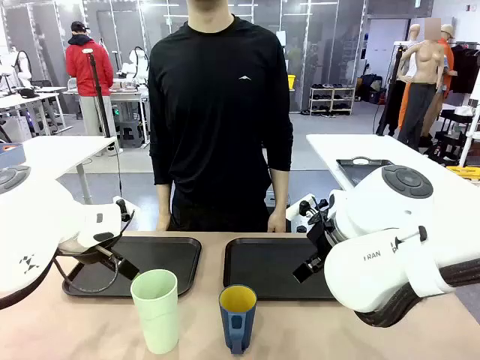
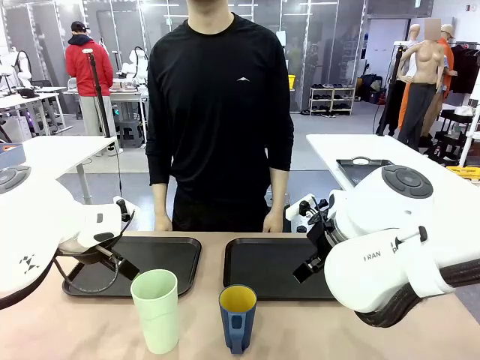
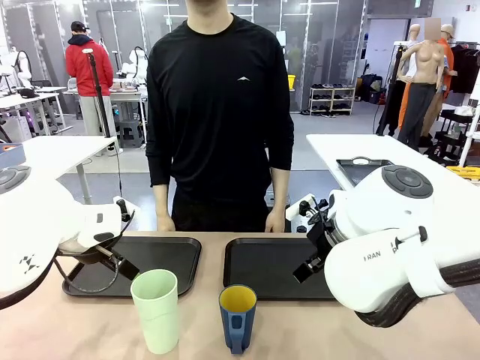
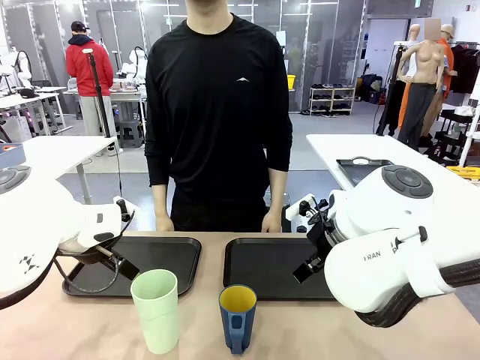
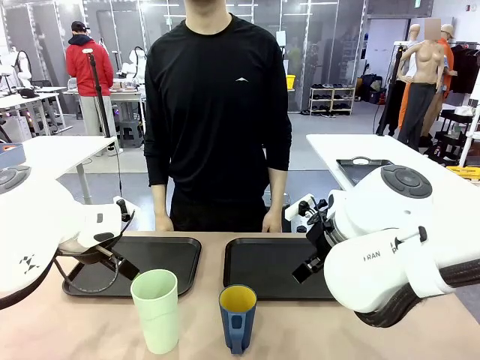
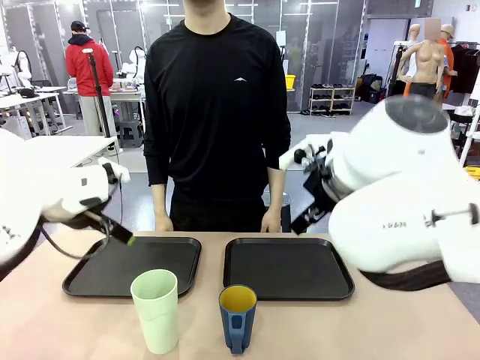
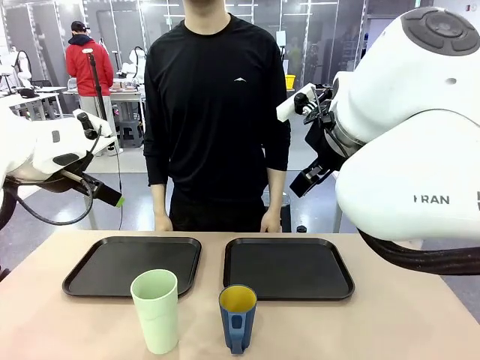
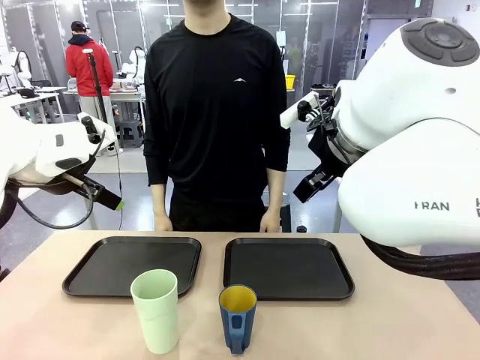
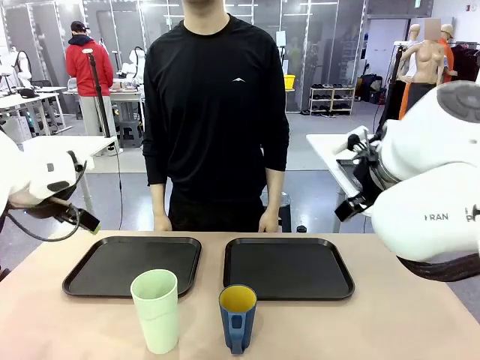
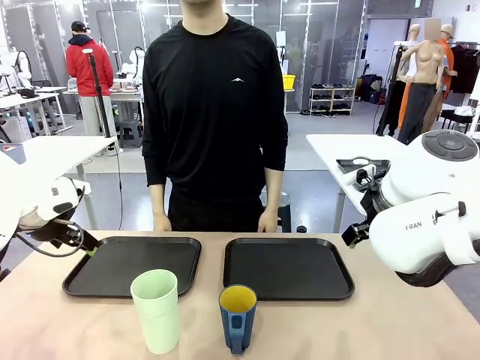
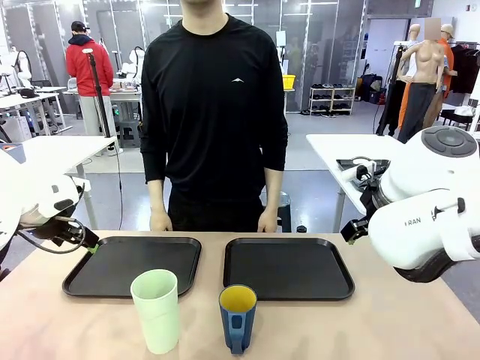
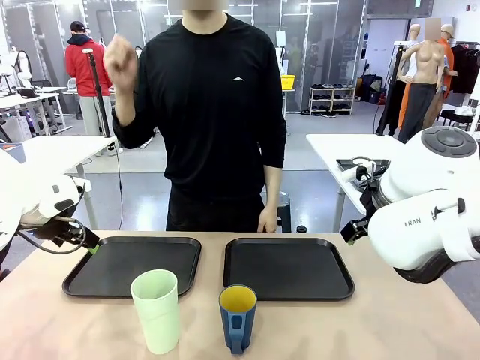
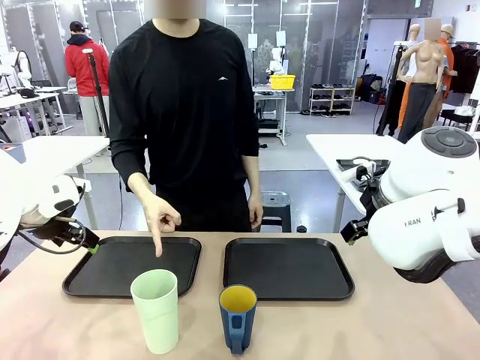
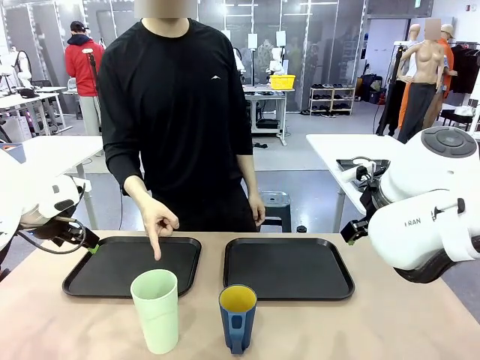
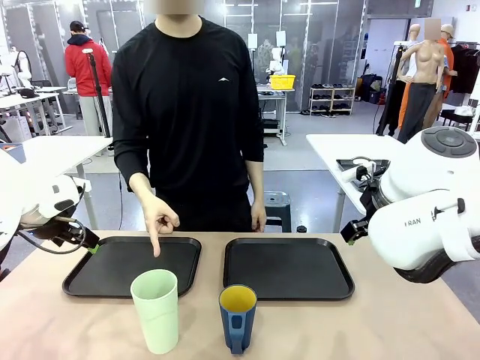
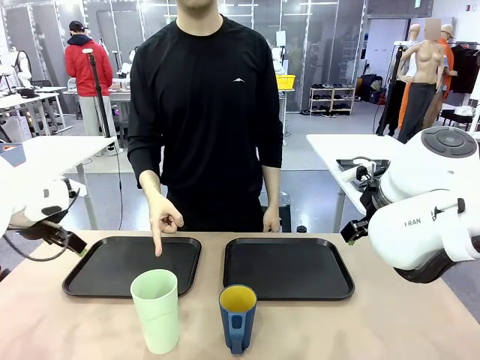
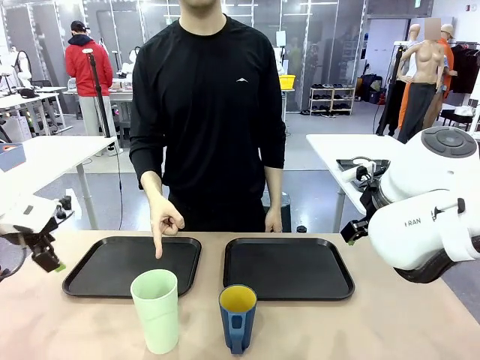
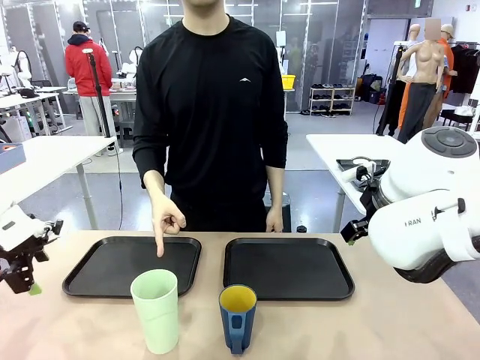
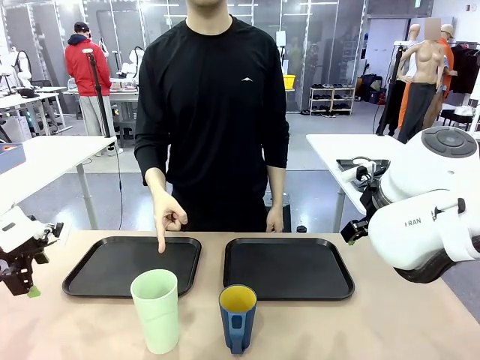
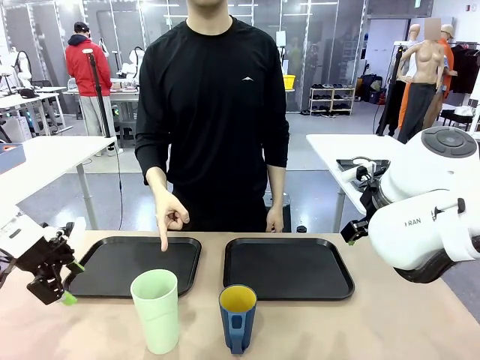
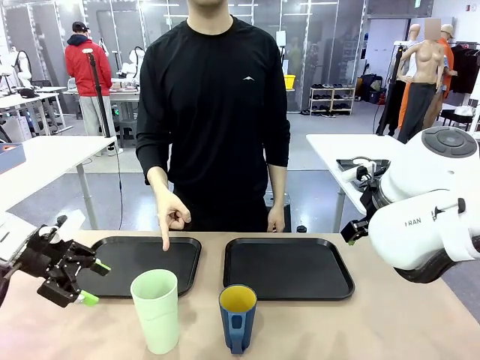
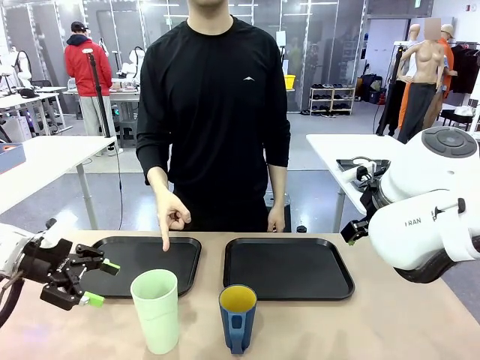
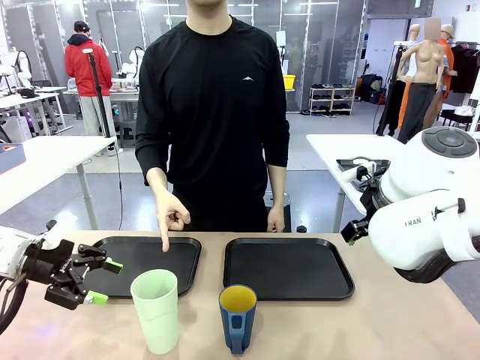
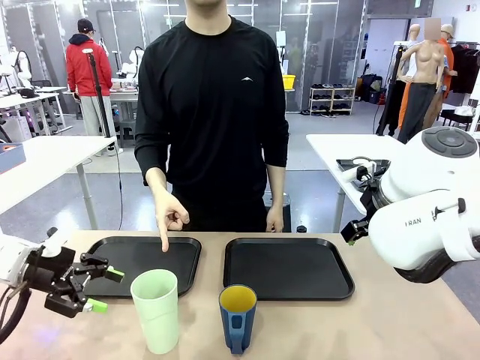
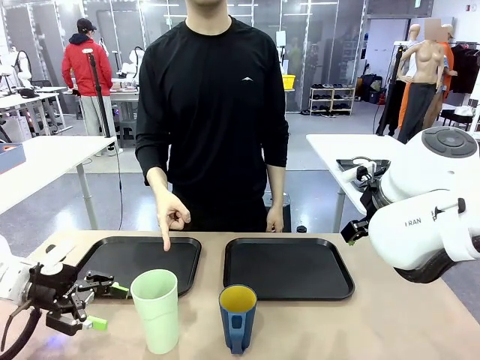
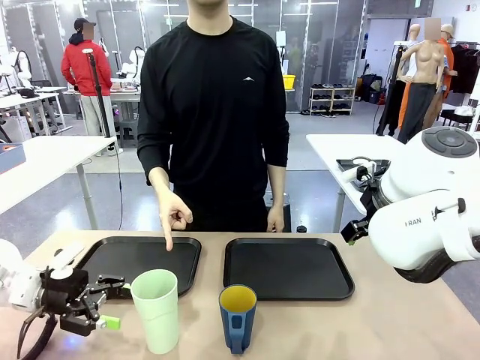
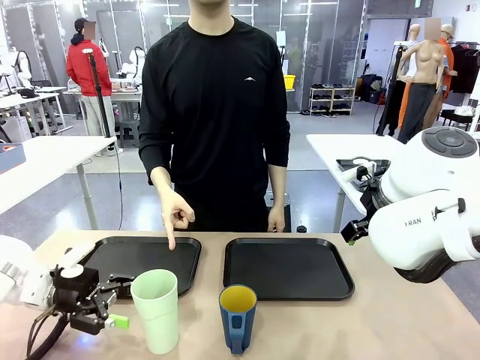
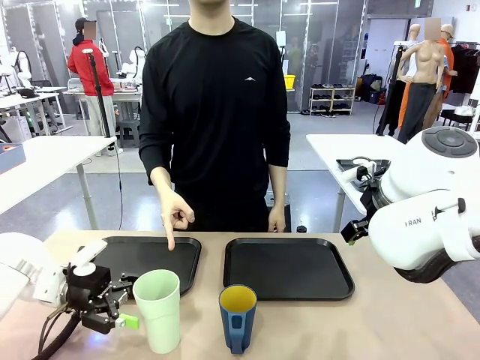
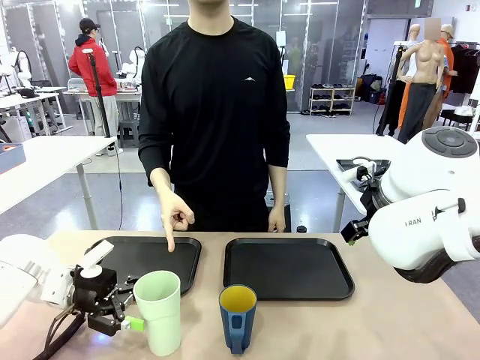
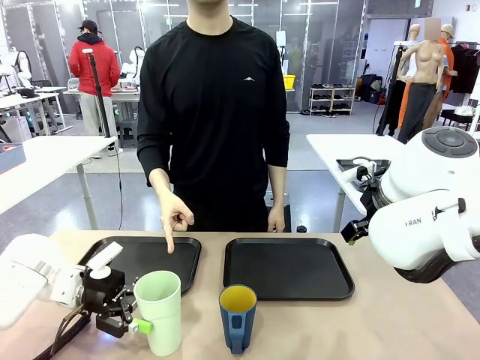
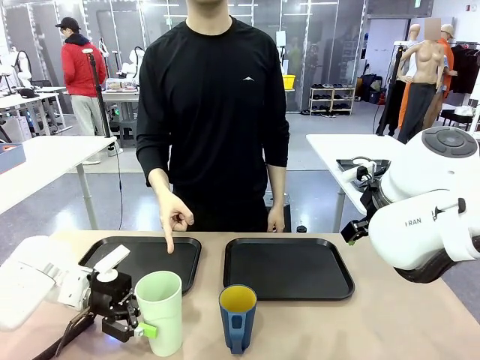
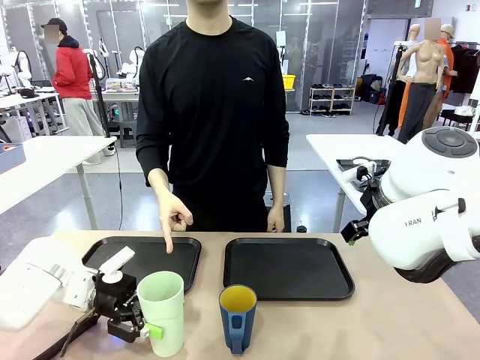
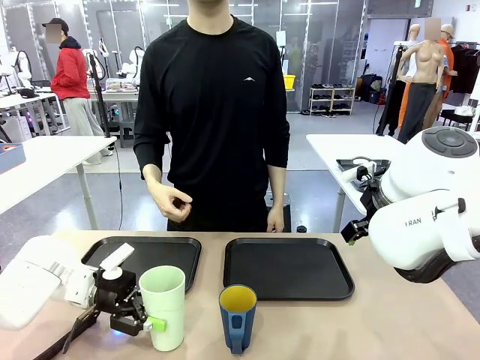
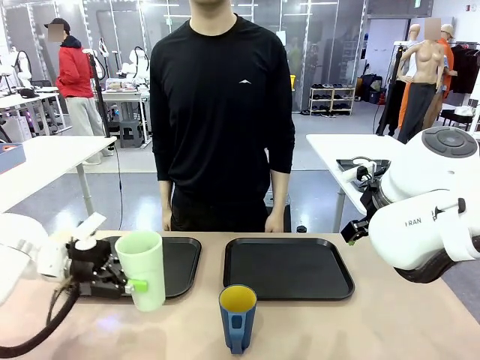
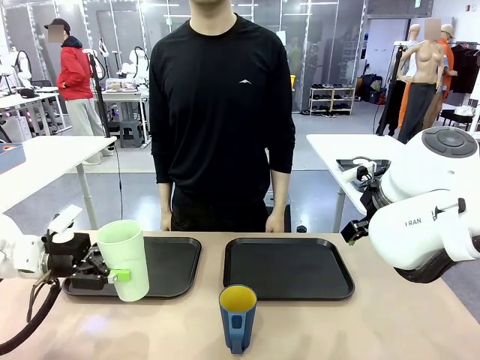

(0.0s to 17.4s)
Task: Sort and store the cups by type.
Robot: Pick up the Reusable plastic cup.
Person: Points to the reusable cup. Point to one of the two trays.

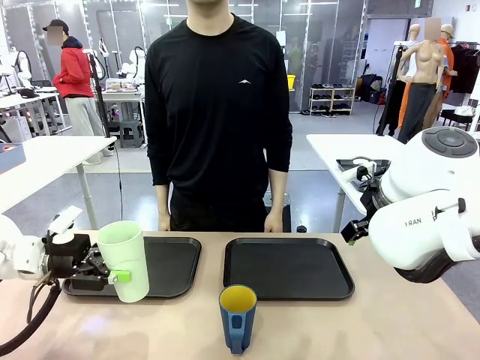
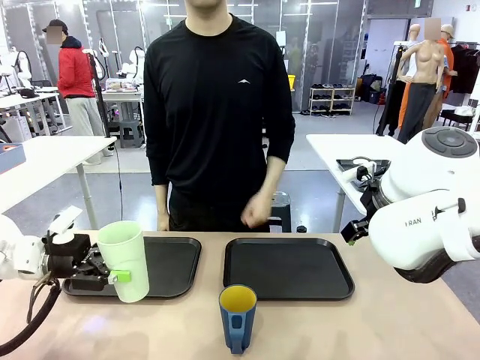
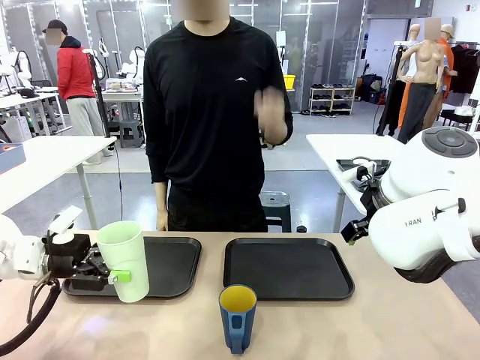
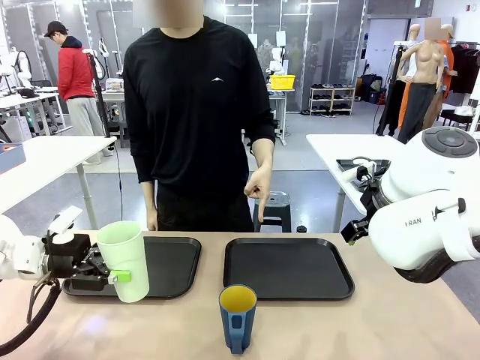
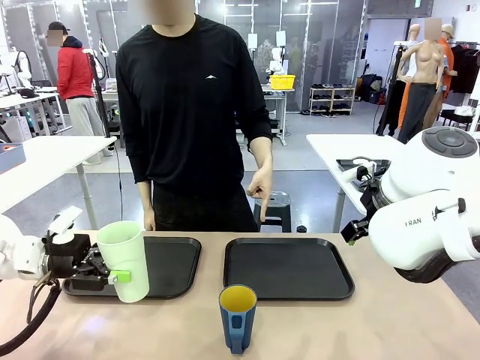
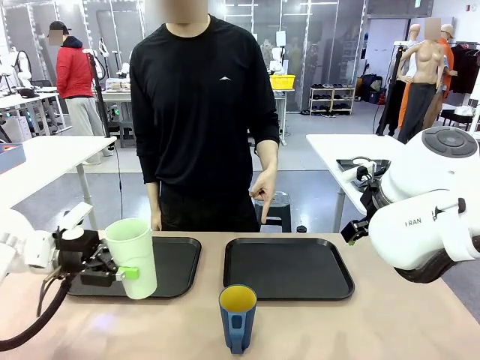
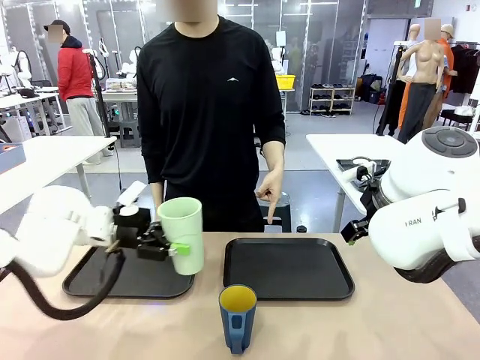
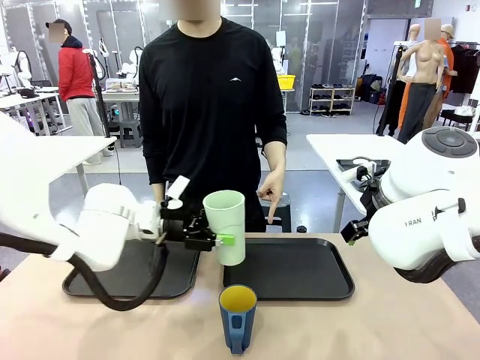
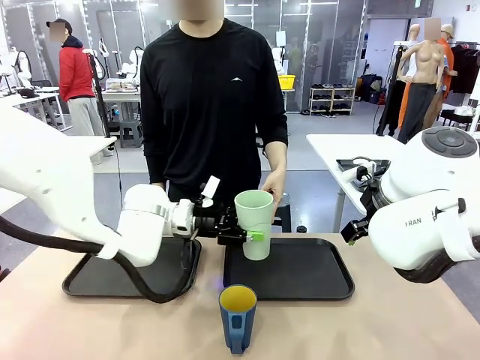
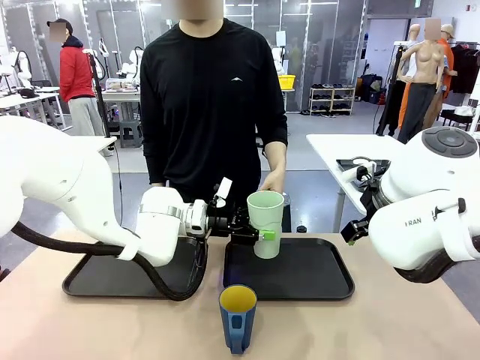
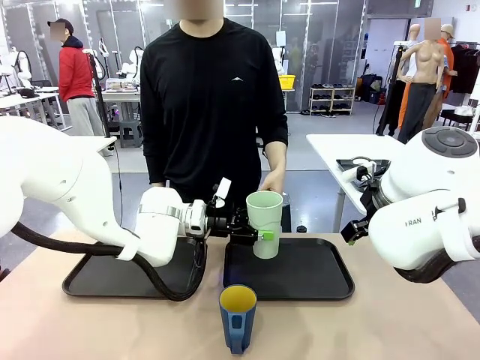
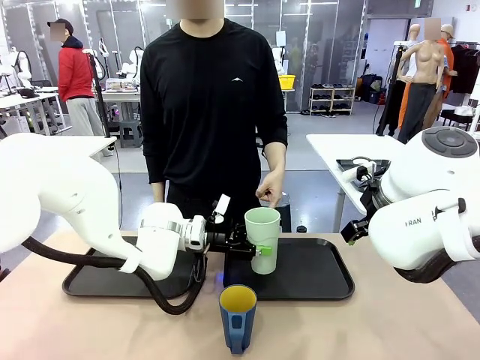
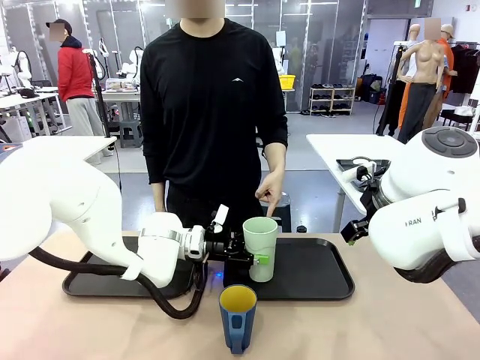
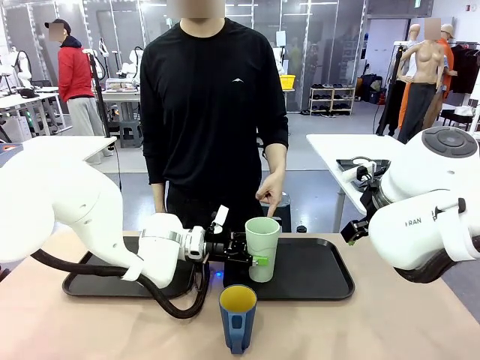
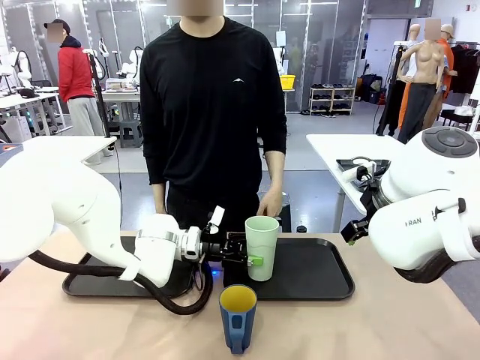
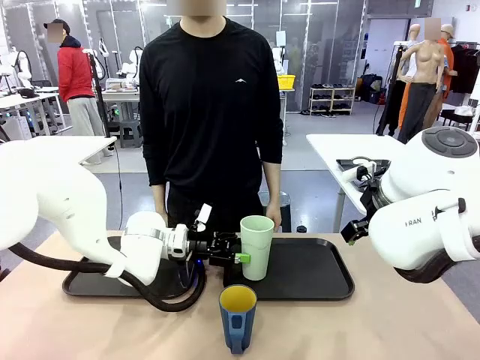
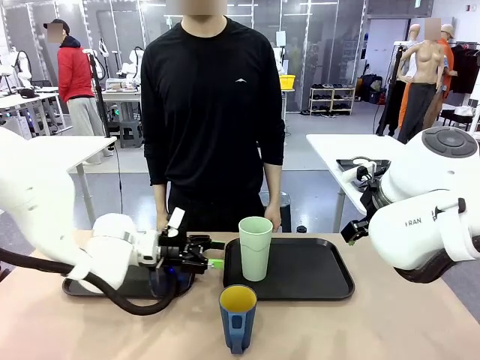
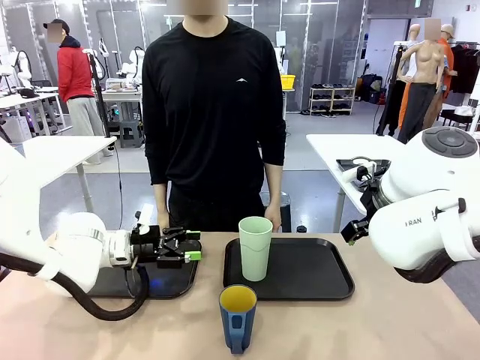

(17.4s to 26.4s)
Robot: Place the picked Reusable plastic cup into the Flat Tray indicated by the person.
